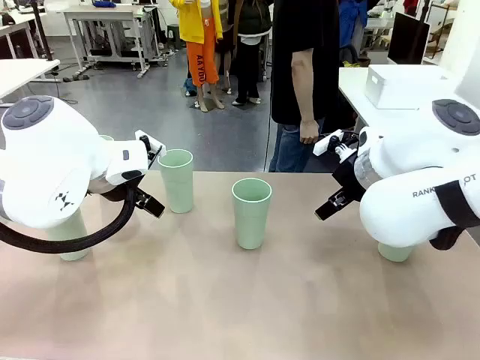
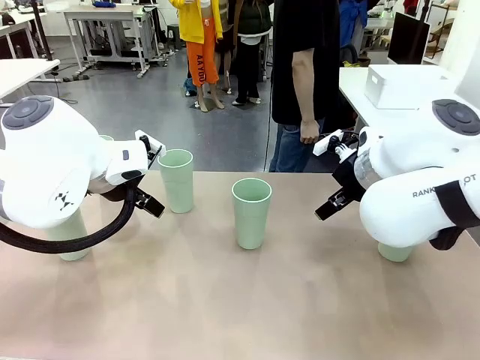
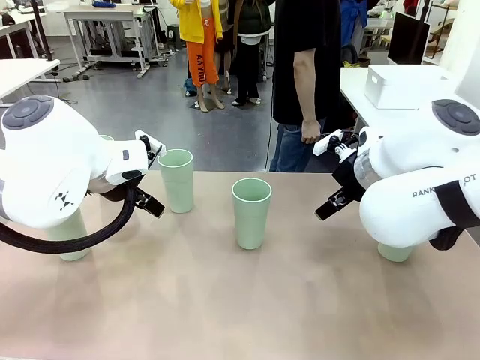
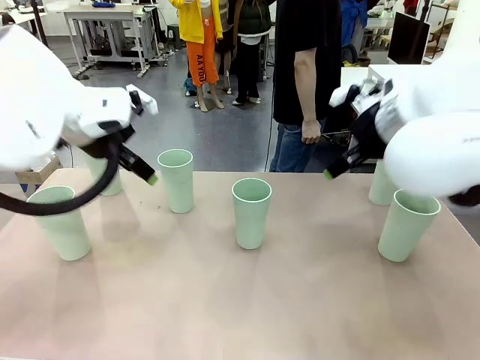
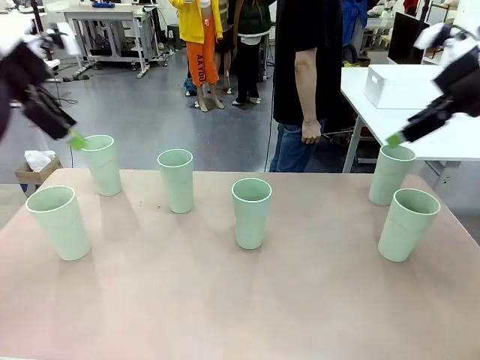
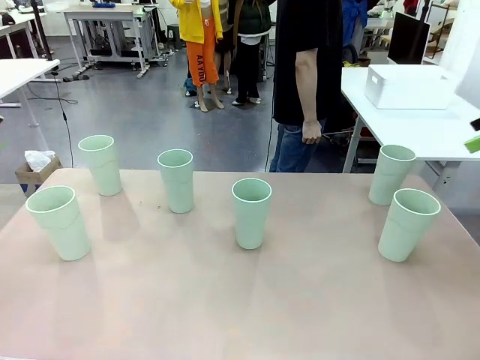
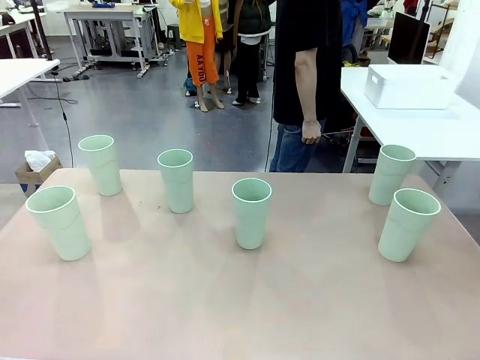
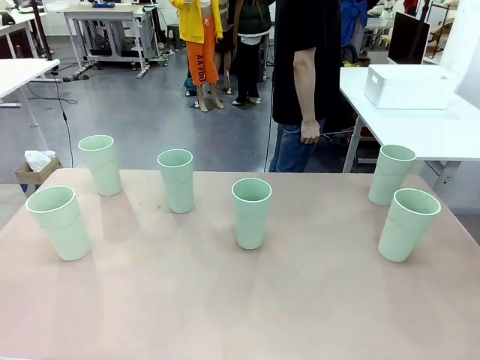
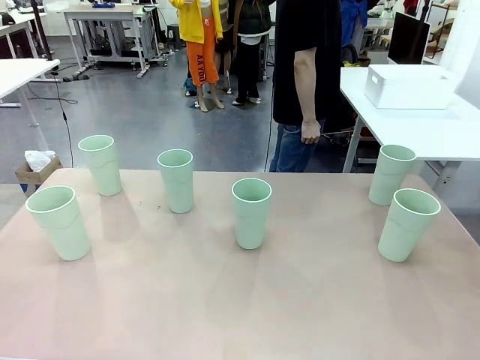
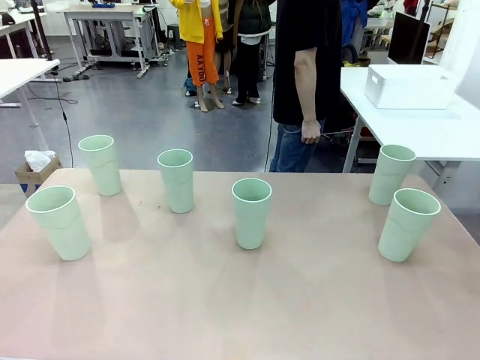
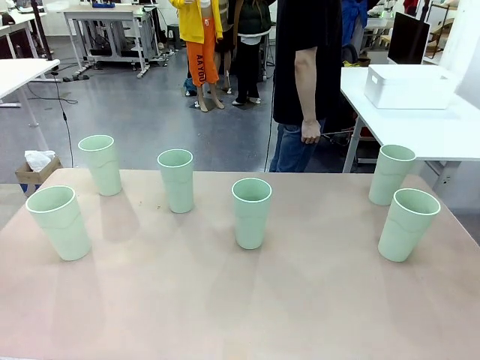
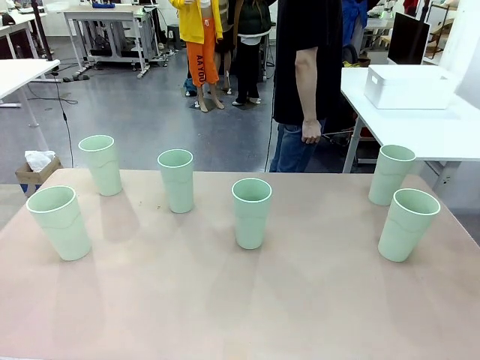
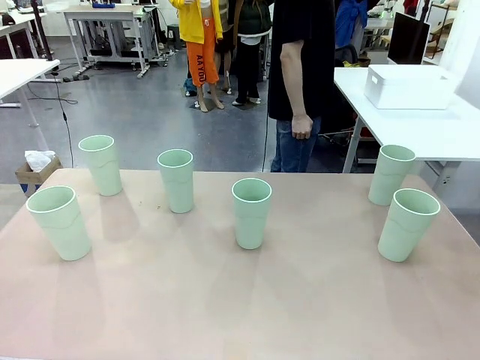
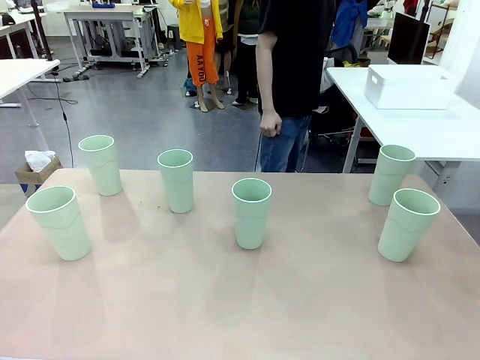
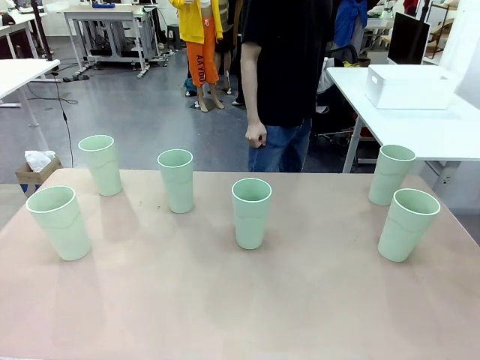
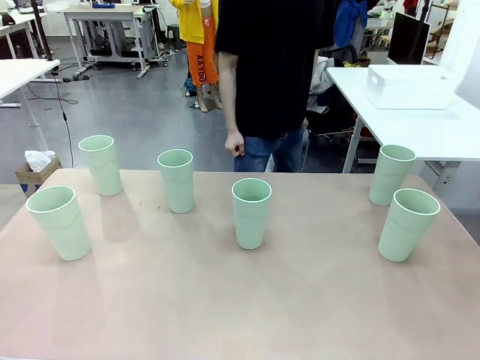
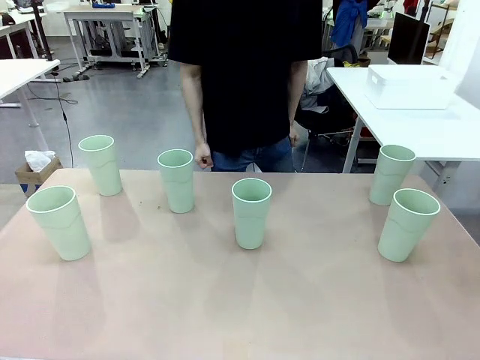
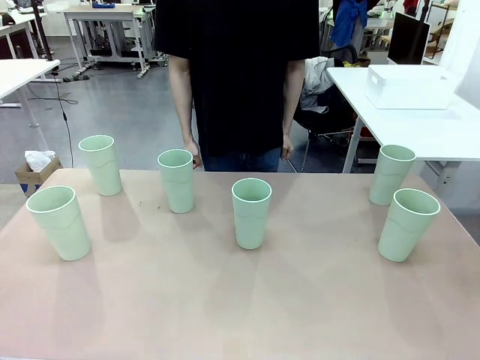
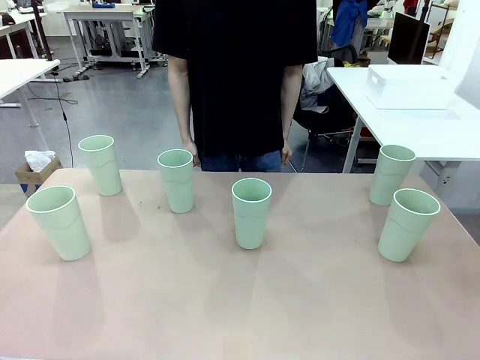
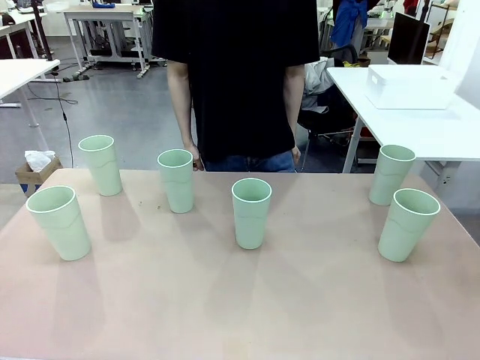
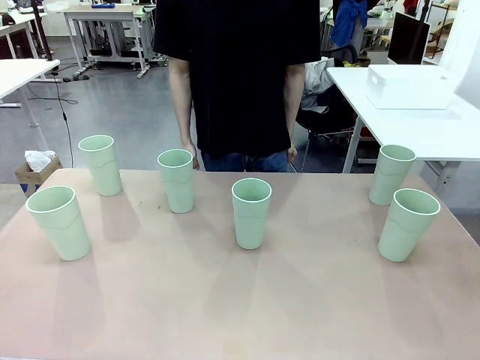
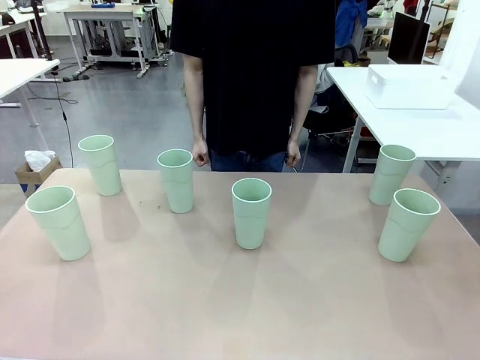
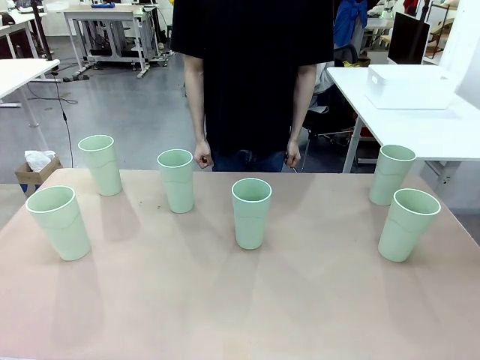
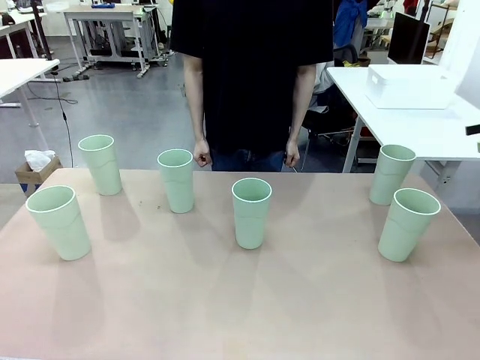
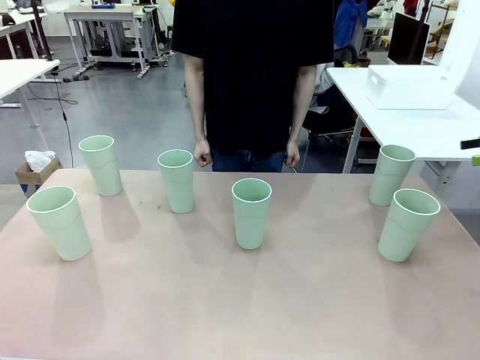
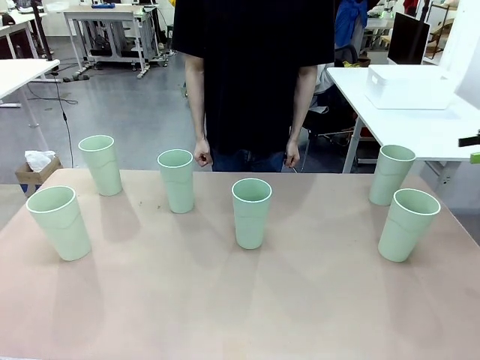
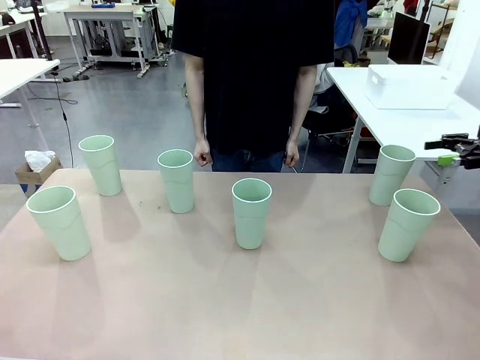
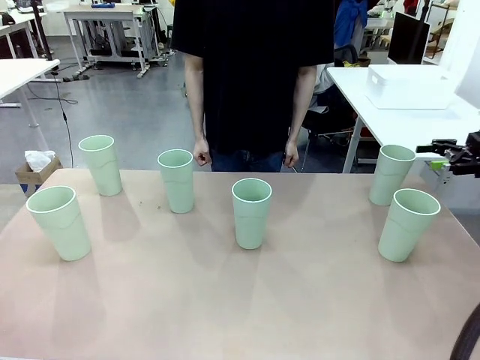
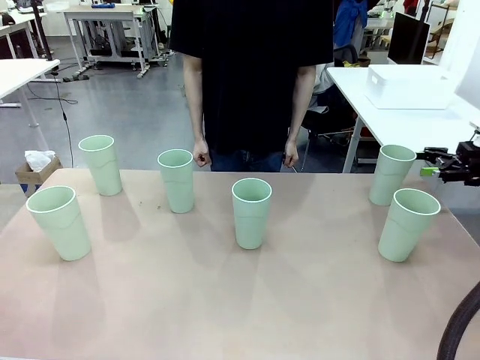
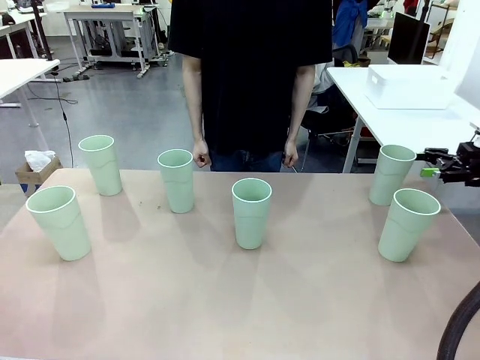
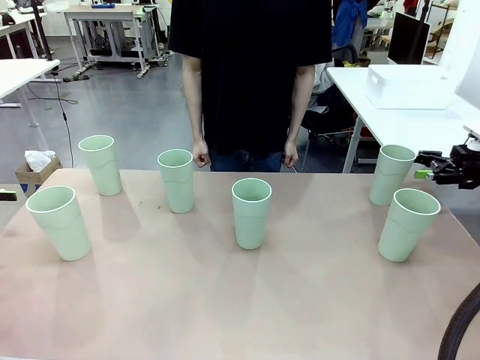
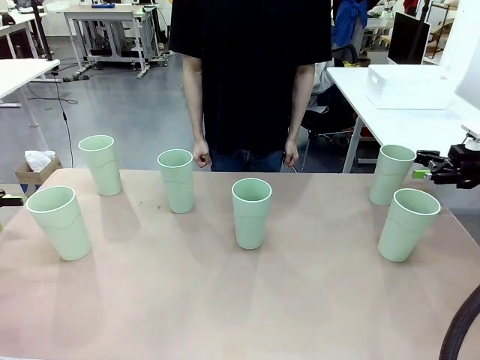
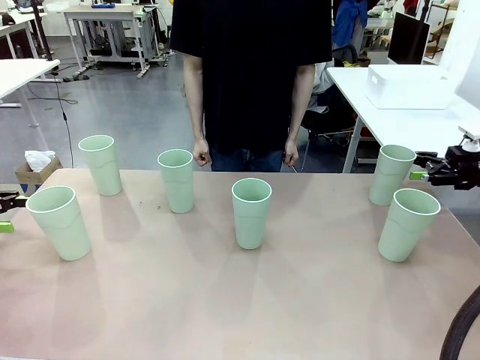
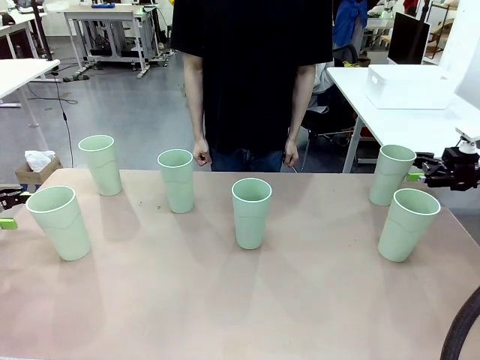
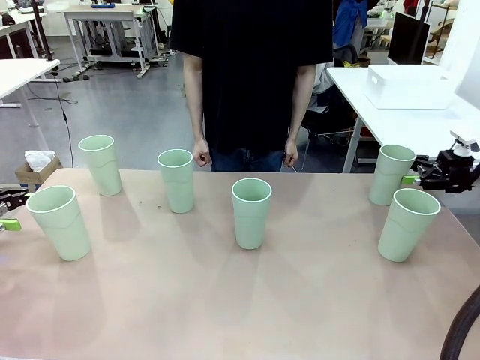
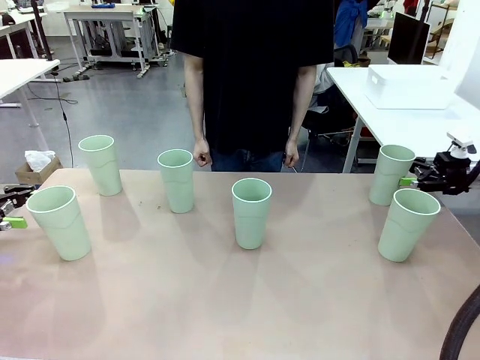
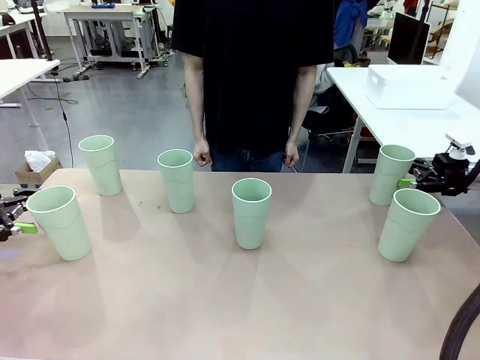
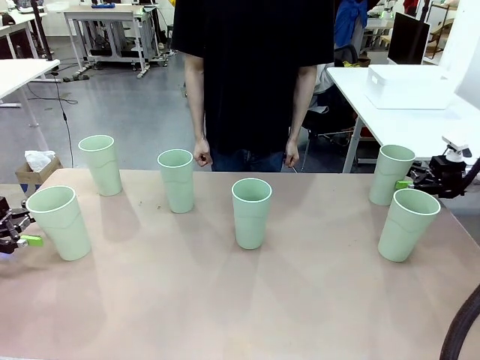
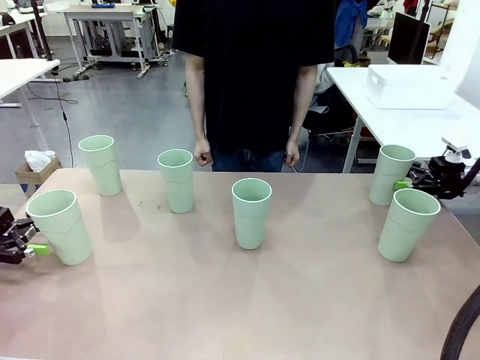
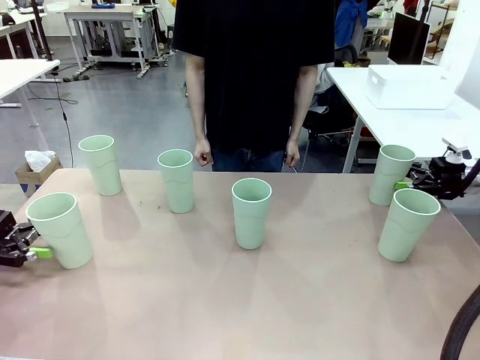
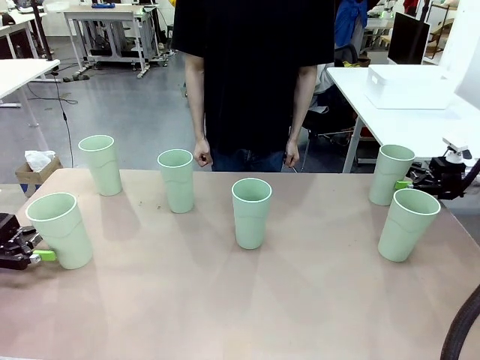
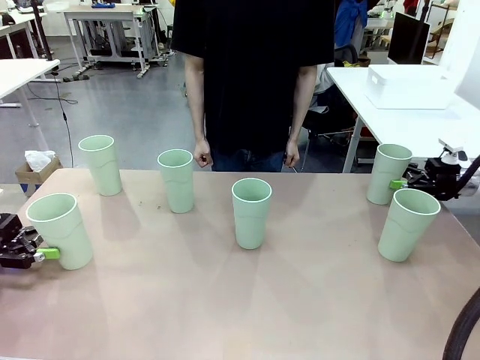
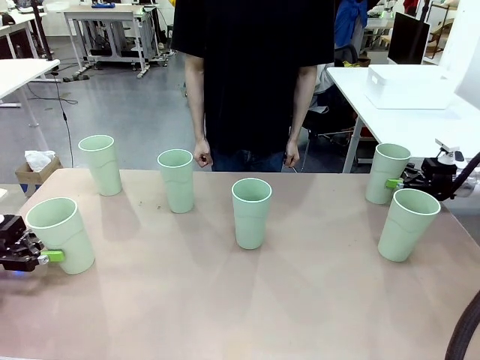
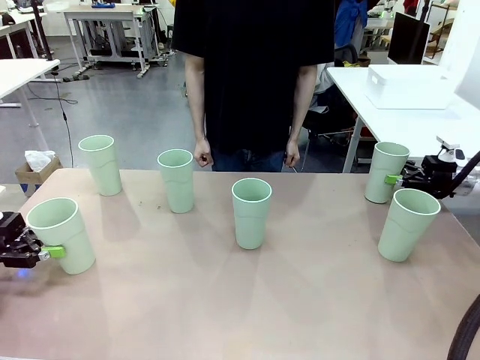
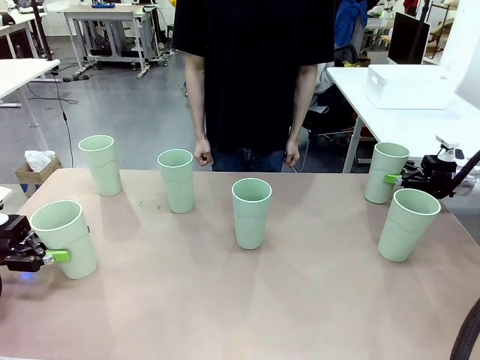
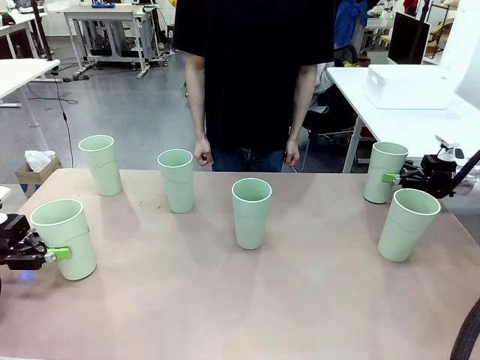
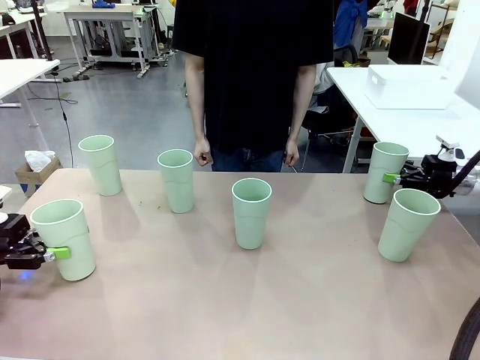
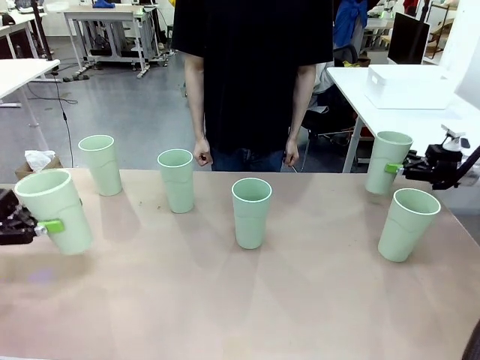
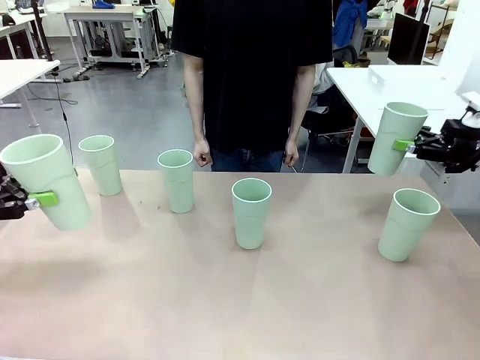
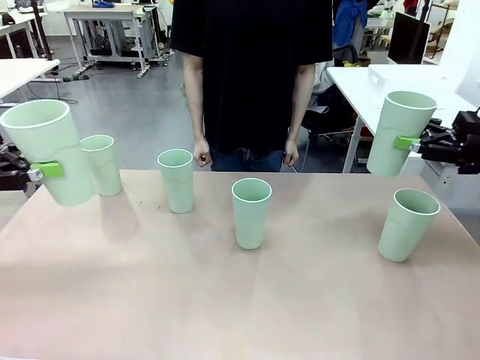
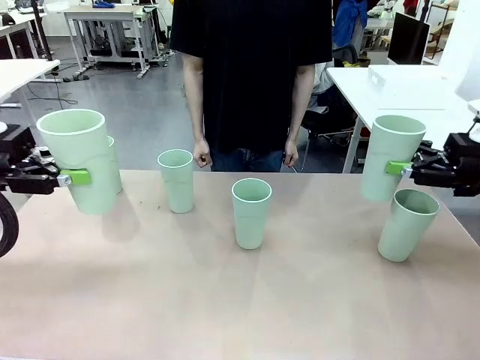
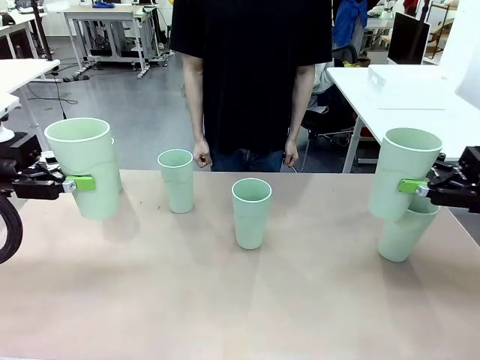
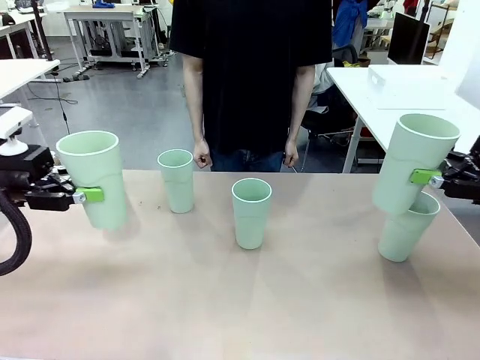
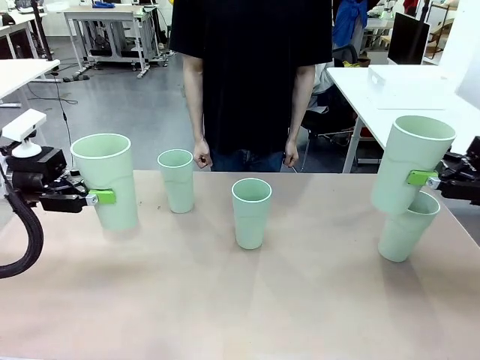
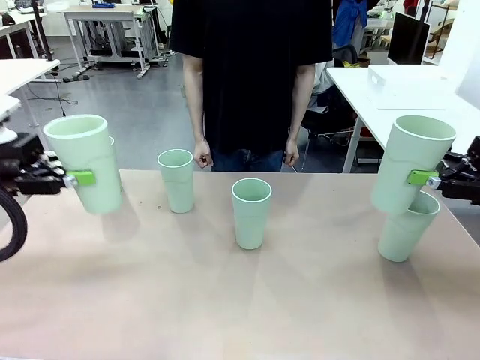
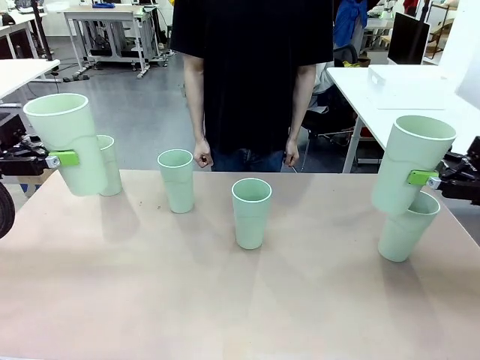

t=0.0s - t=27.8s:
Task: Stack the cups and store them in the basket.
Robot: Pick up two Reusable plastic cups , one in each hand.
Person: Move from the Human Table to the front of the Robot Table. Stack two of the remaining cups on top of each cup held by the robot.
